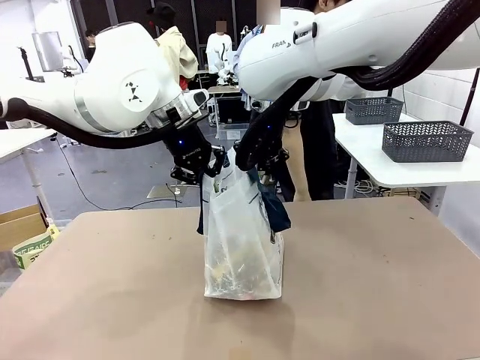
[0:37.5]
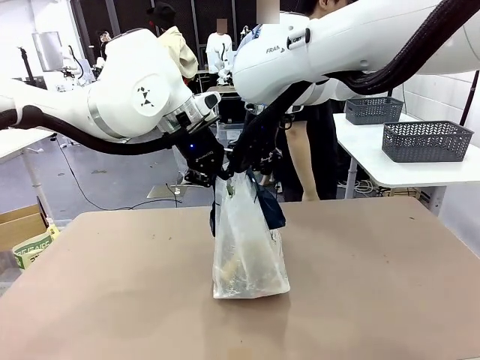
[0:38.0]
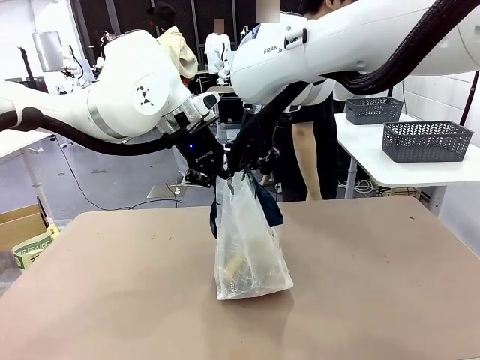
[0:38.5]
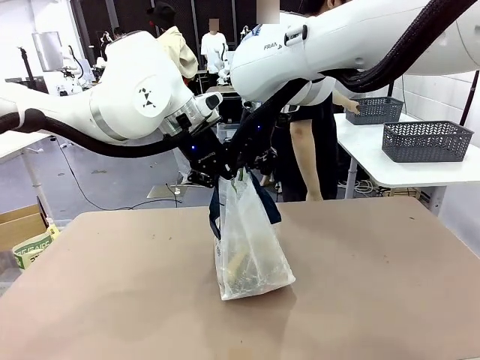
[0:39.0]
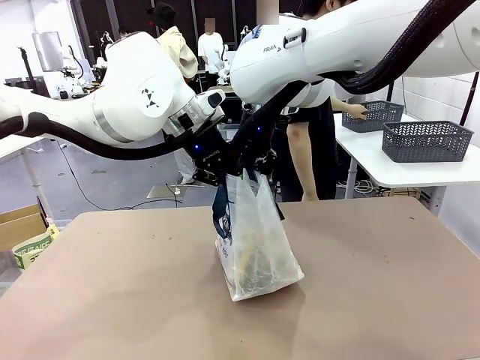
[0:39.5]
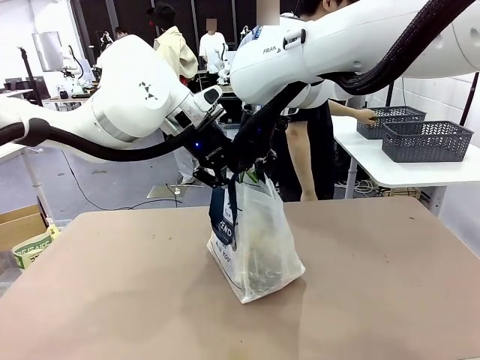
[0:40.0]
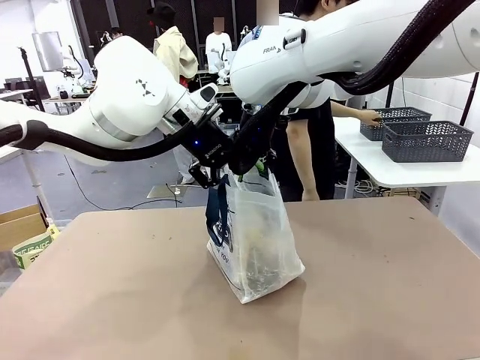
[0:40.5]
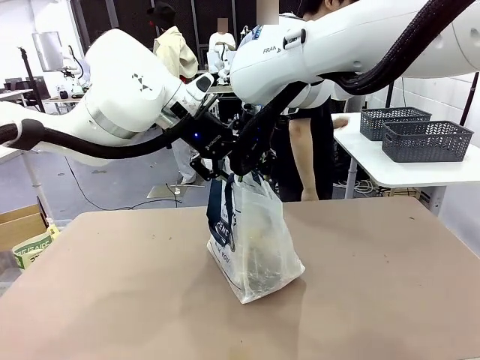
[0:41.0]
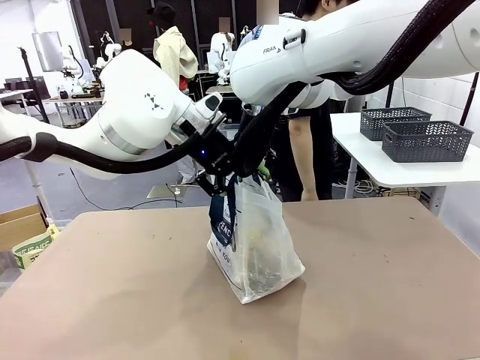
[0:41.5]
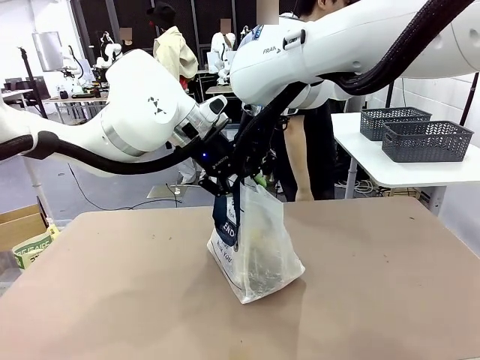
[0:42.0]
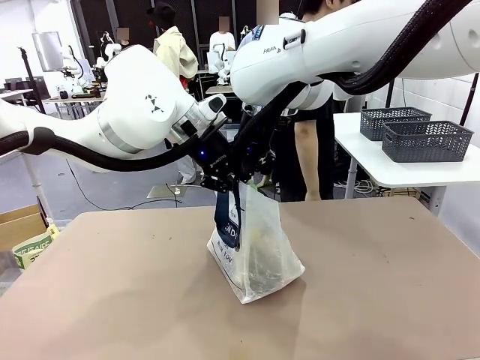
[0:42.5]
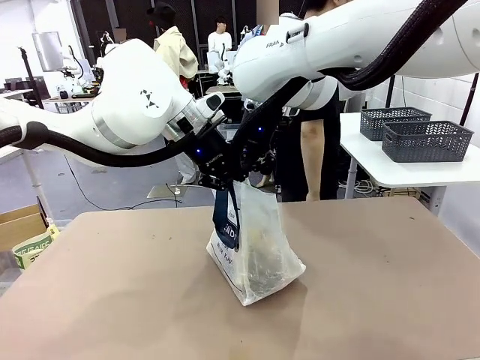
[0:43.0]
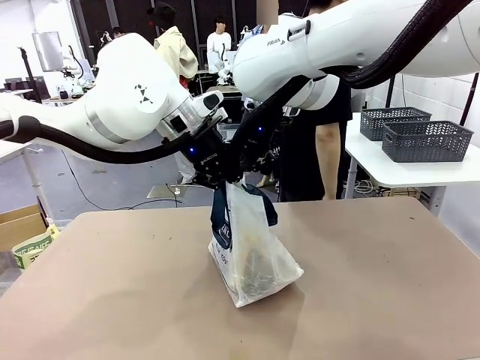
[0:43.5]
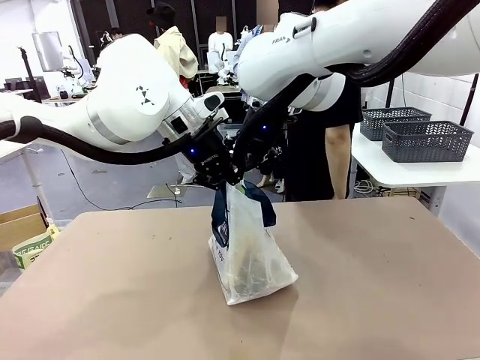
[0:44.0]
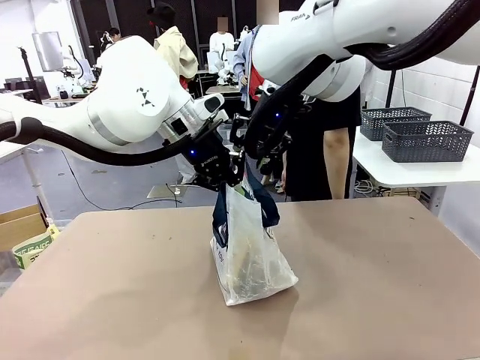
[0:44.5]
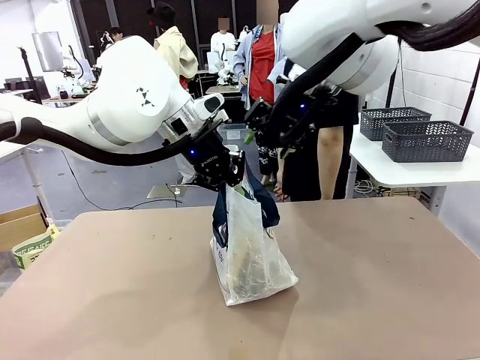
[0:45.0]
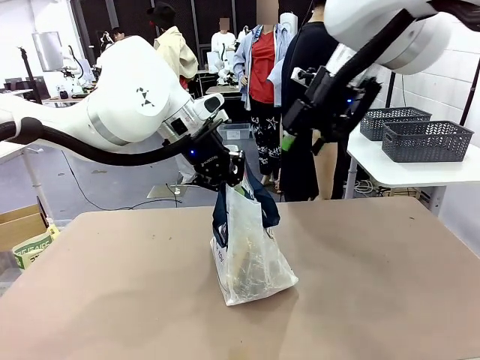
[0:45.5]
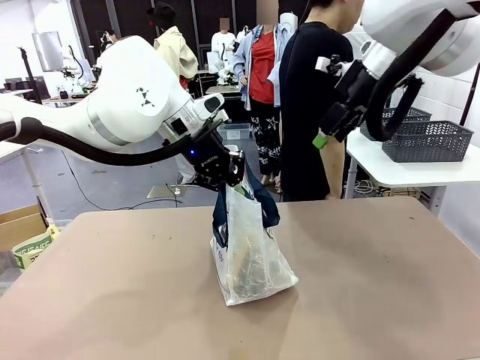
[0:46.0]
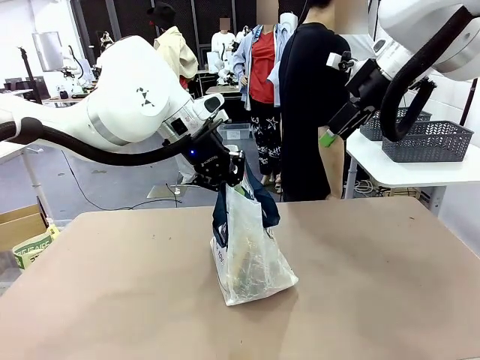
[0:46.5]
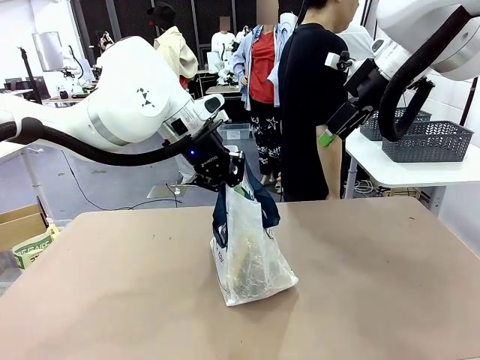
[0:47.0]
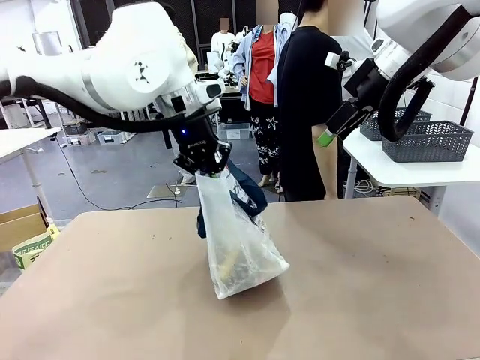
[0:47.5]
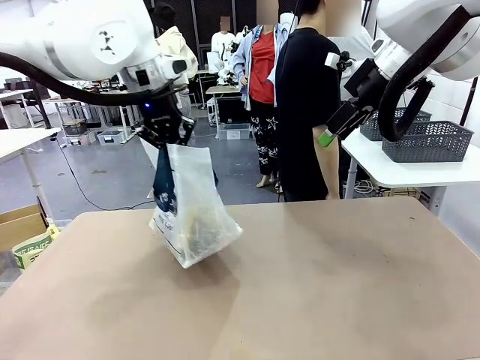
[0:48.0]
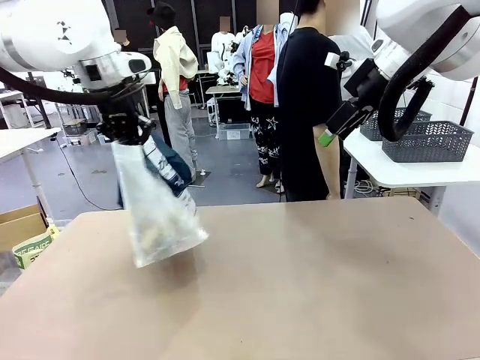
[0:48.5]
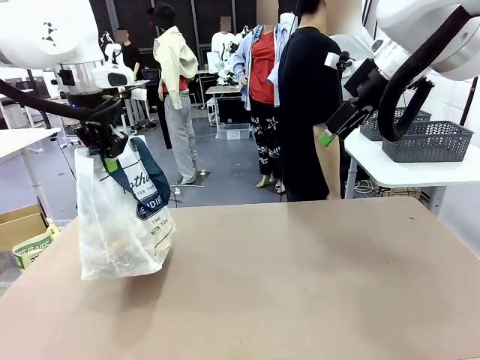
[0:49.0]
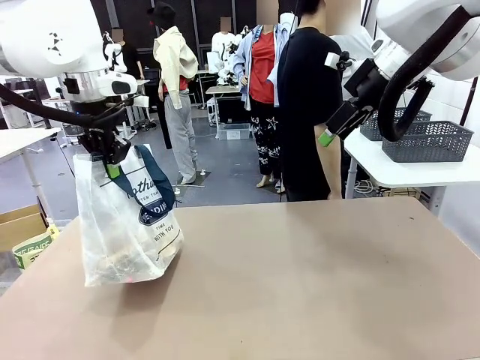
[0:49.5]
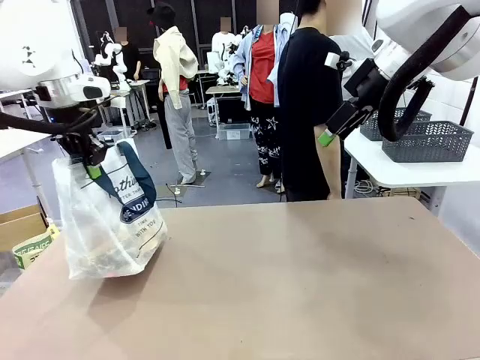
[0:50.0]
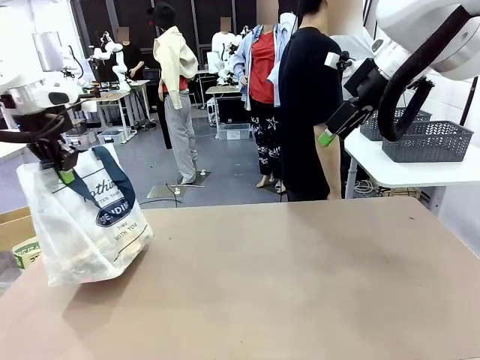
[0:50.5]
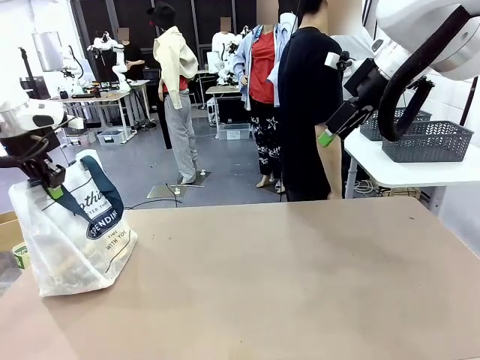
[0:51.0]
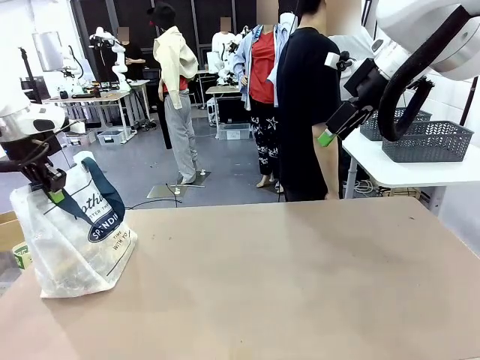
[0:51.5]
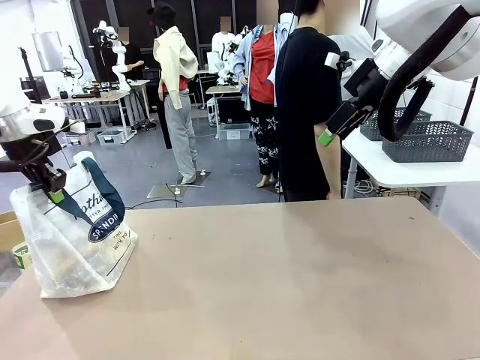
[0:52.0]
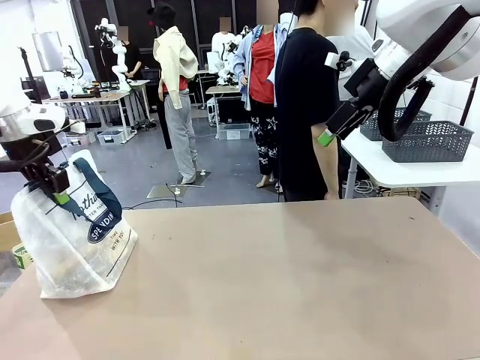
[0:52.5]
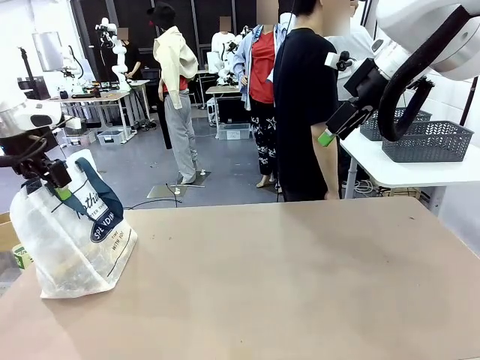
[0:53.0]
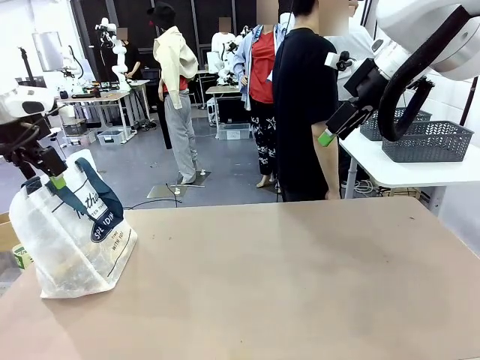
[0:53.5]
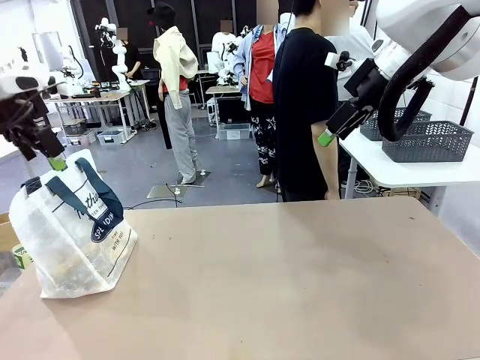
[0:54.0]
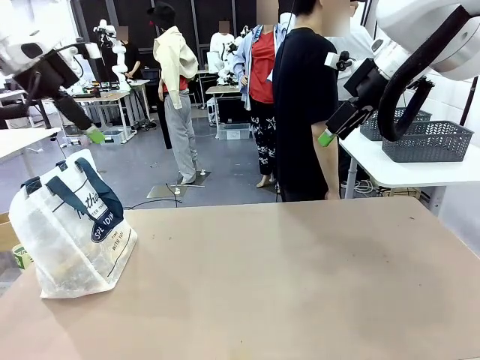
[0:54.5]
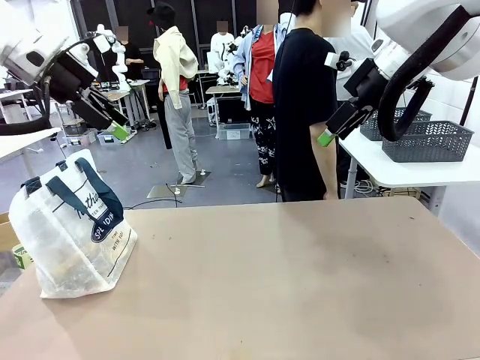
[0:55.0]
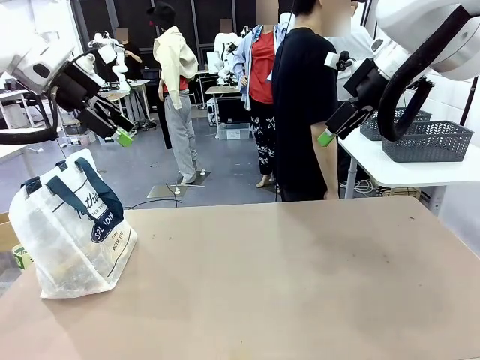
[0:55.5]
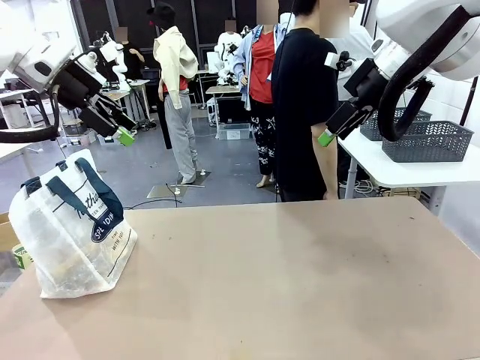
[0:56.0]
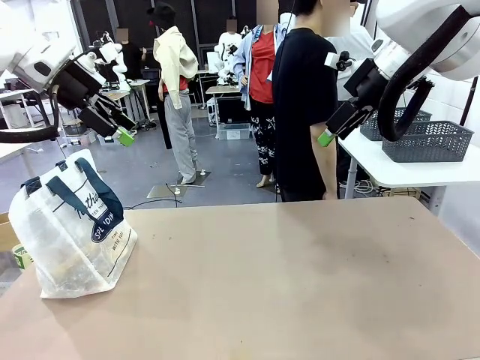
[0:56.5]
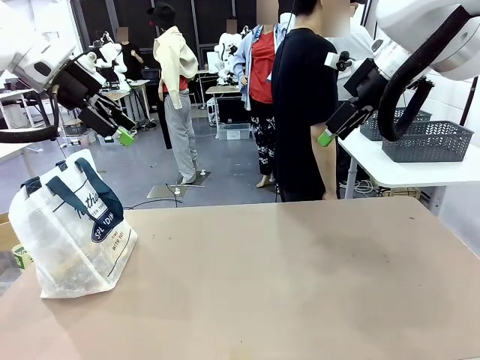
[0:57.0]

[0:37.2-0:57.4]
Task: Transfer purchased items from the store into the shopping bag.
Robot: Move the Reusable shopping bag to the right side of the table.
Person: Move the basket on the left to the middle of the person's table.

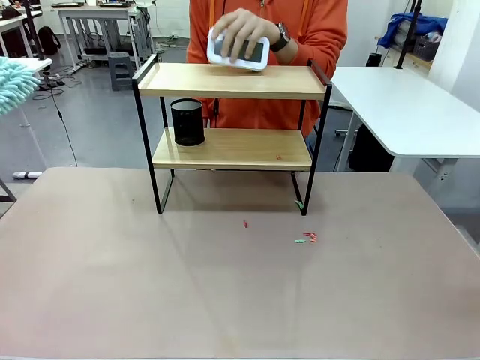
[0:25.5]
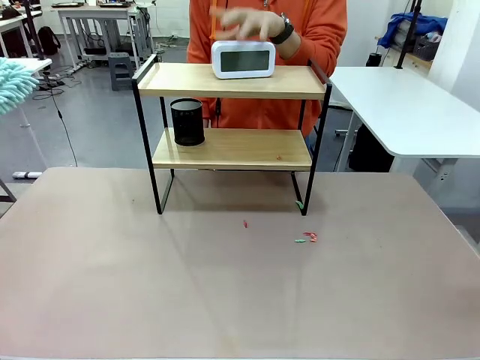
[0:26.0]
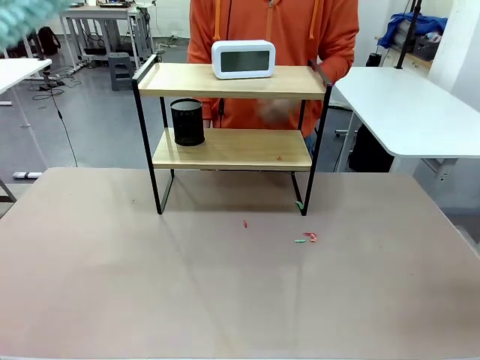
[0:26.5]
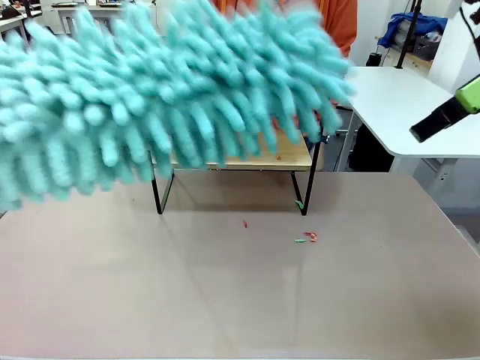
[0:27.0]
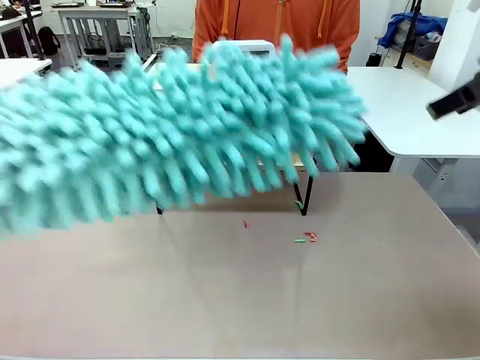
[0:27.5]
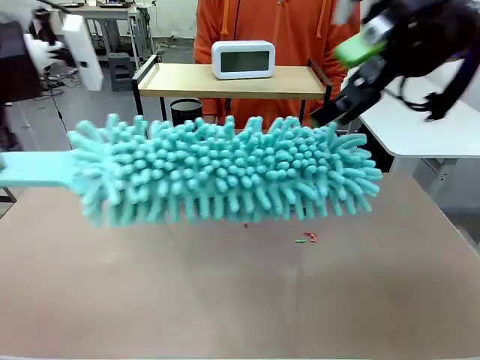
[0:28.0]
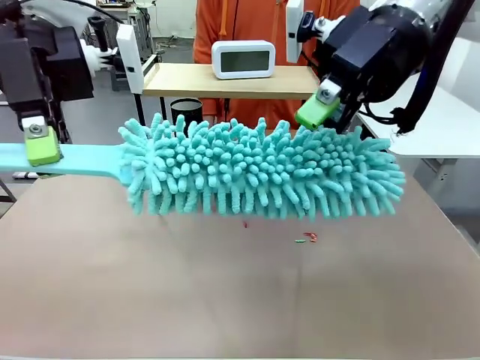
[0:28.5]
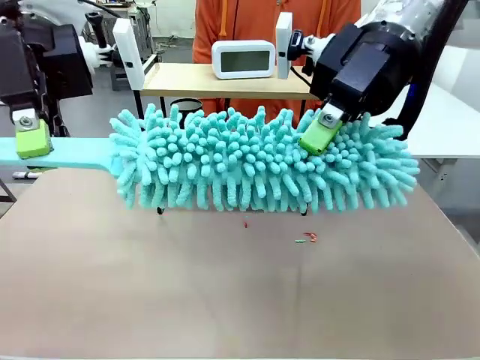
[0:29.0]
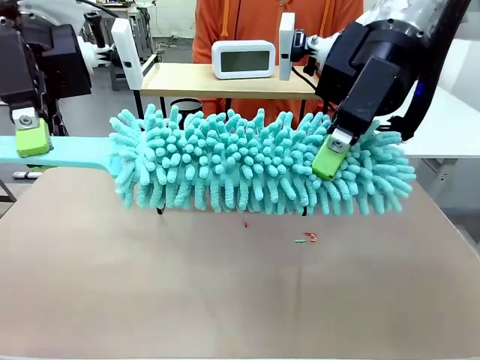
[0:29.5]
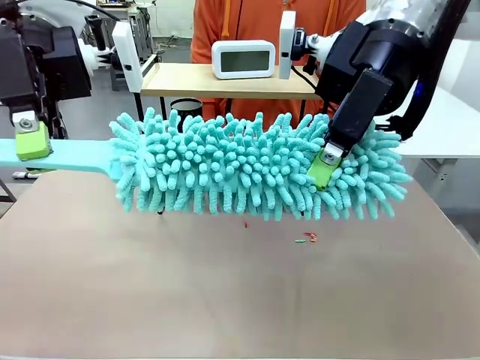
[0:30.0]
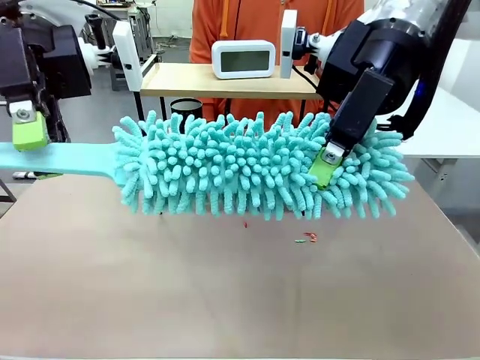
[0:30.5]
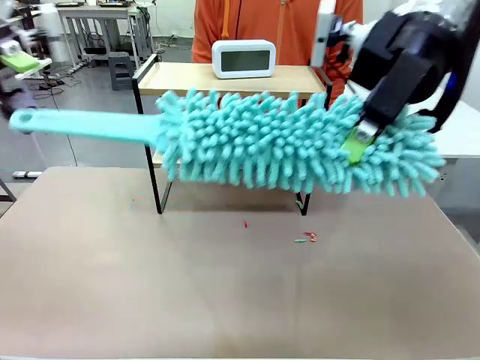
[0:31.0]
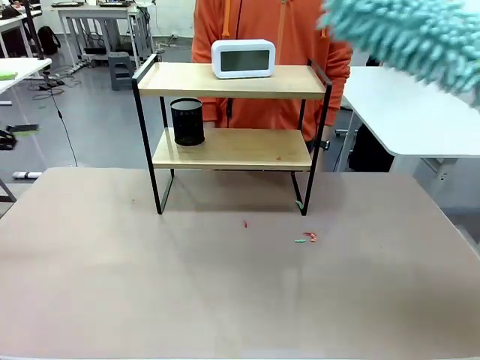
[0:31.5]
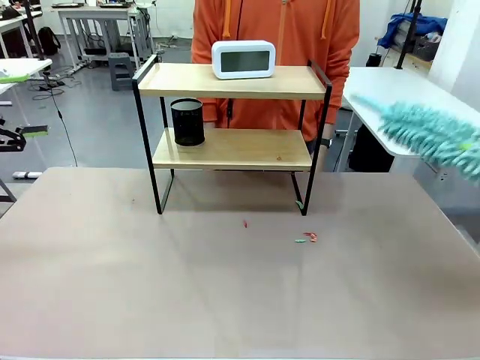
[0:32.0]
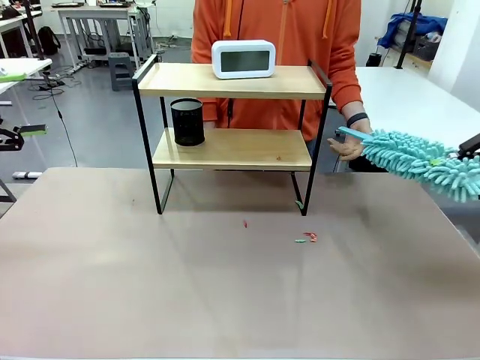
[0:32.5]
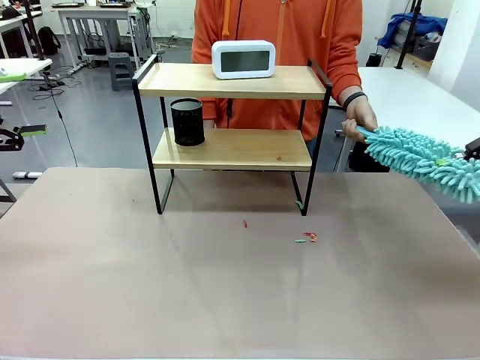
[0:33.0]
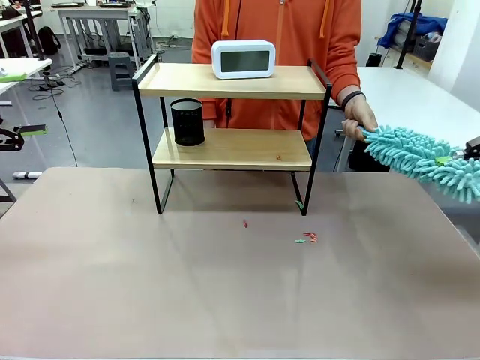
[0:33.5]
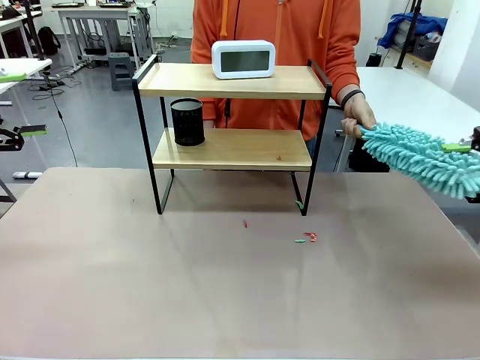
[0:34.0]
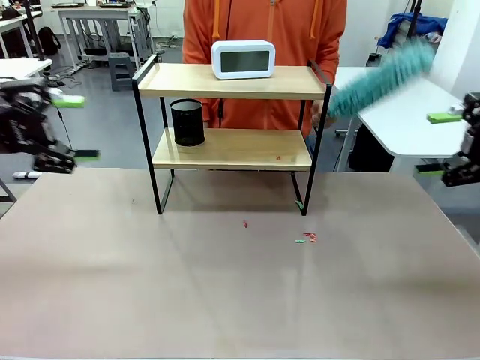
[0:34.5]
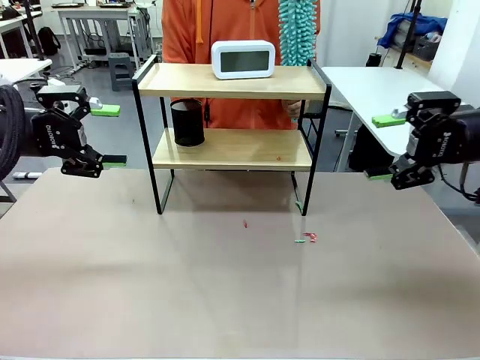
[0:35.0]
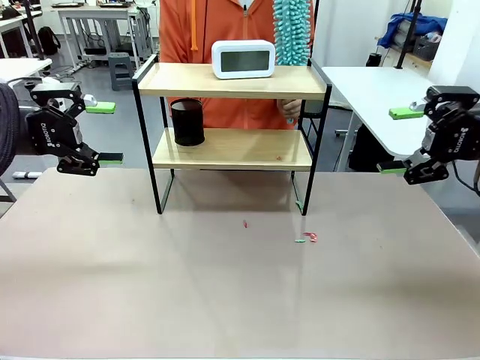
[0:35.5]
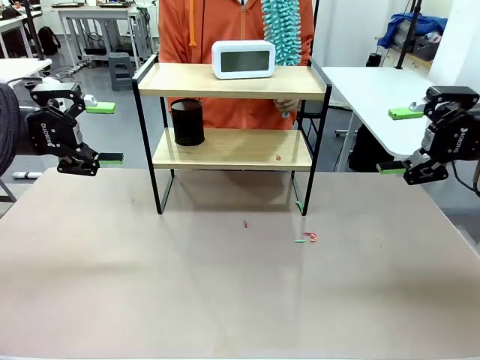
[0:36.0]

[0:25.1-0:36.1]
Task: Clean the shelf.
Robot: Hand the Duster back to the human.
Person: Receive the Duster from the robot.
